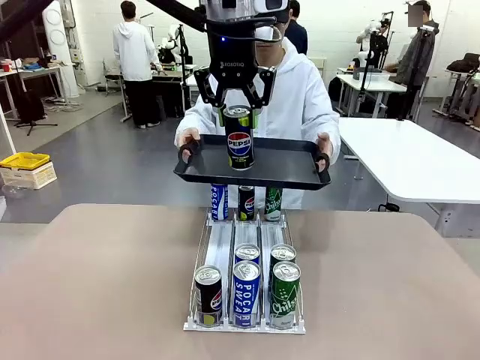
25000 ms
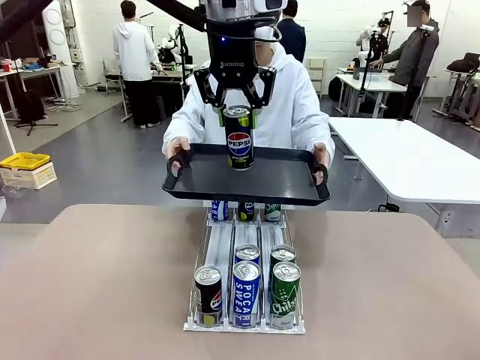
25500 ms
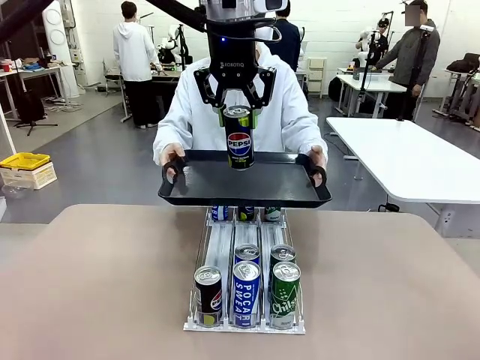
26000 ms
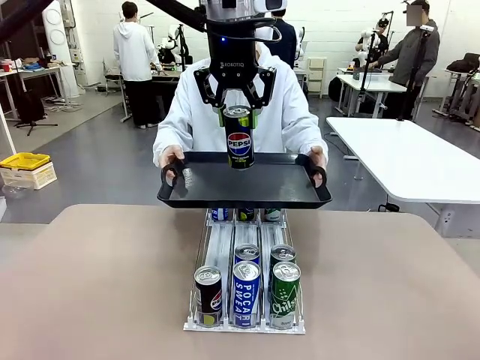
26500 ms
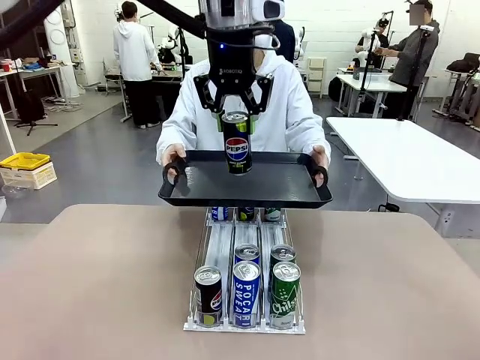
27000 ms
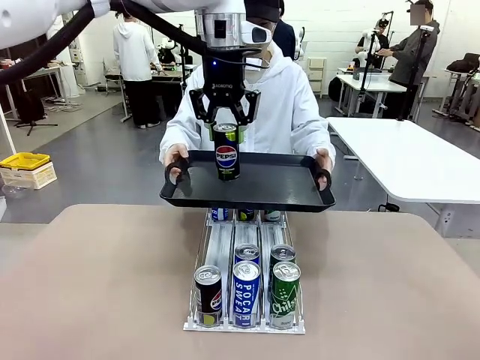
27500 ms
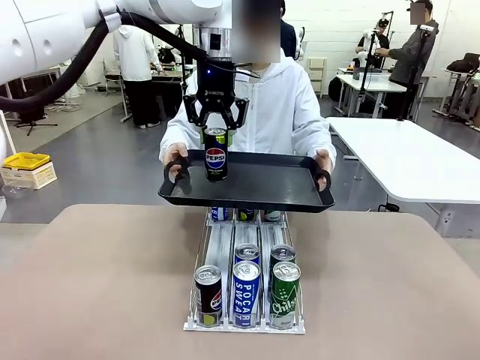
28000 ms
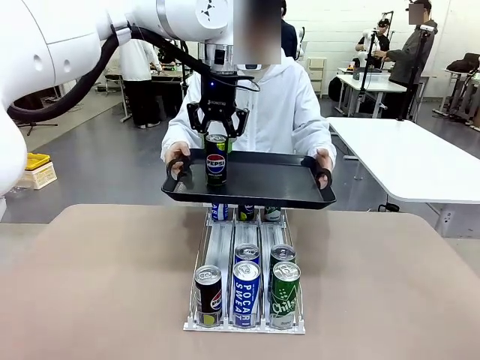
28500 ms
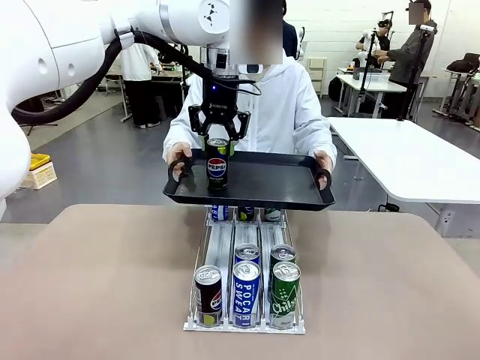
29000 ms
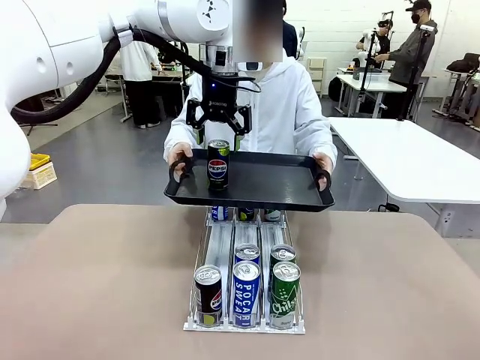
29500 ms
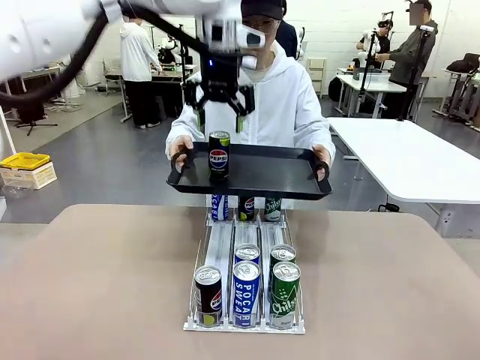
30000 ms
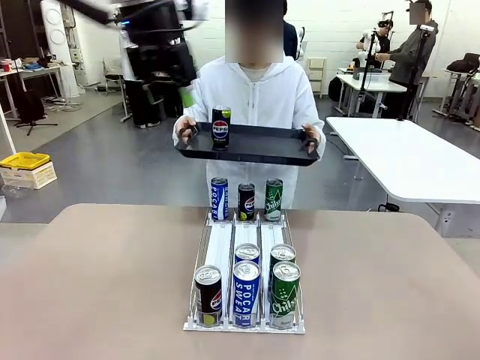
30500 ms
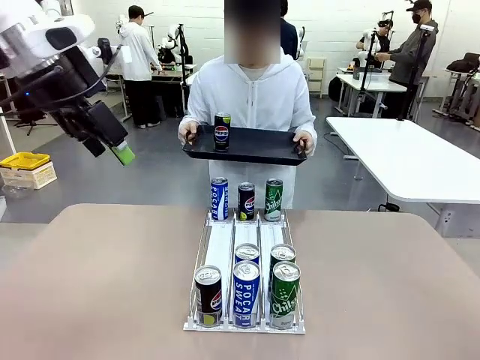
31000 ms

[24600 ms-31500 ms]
Task: Retrieve and hand over the desired beverage to the person.
Robot: Place the picked can on the Handle tray extended by the person.

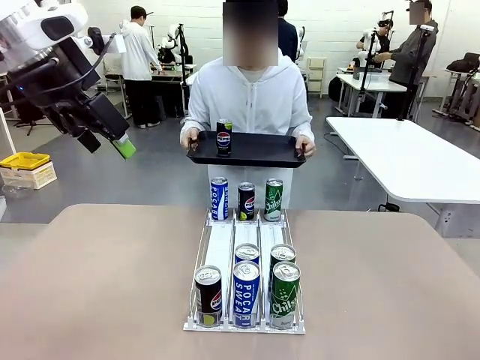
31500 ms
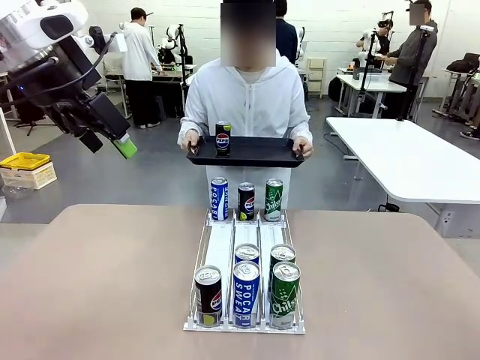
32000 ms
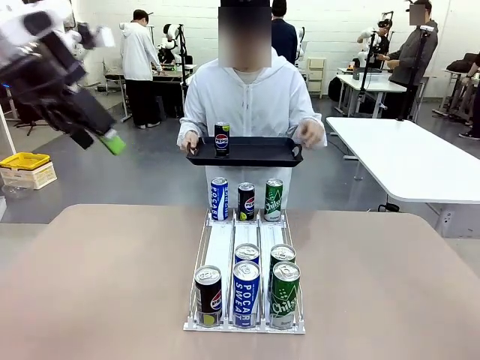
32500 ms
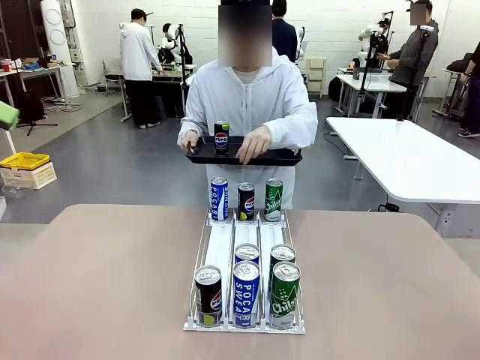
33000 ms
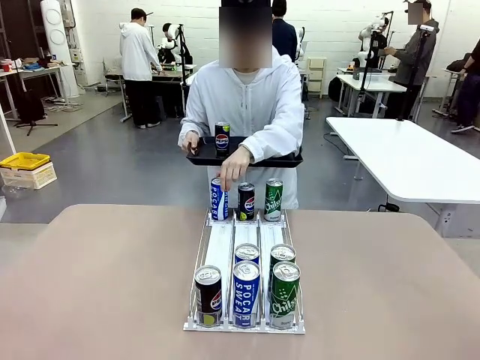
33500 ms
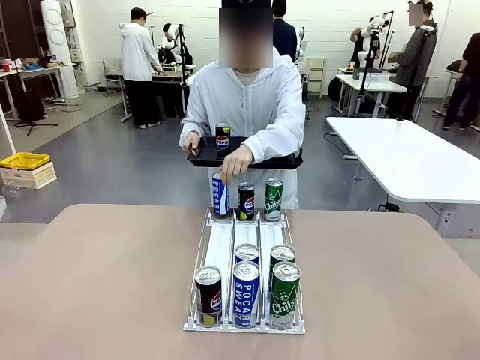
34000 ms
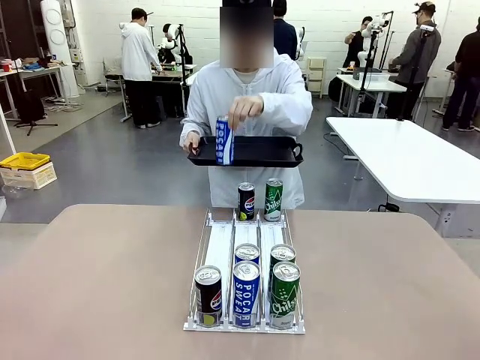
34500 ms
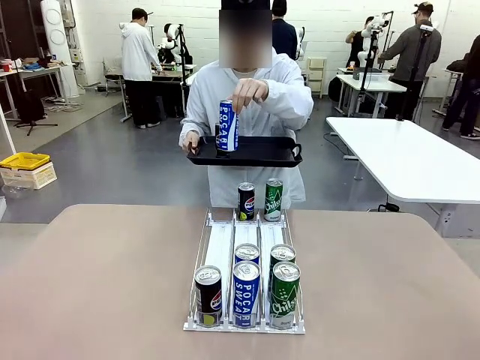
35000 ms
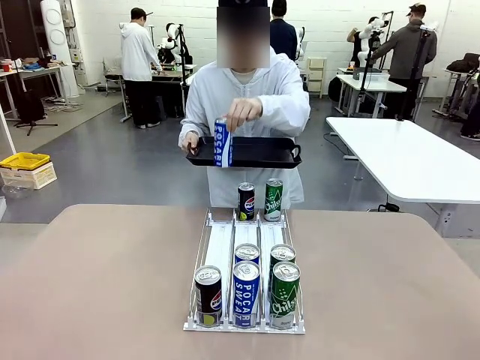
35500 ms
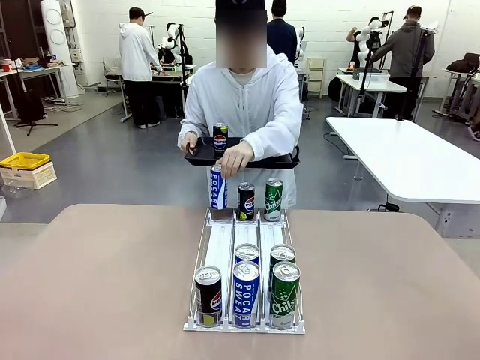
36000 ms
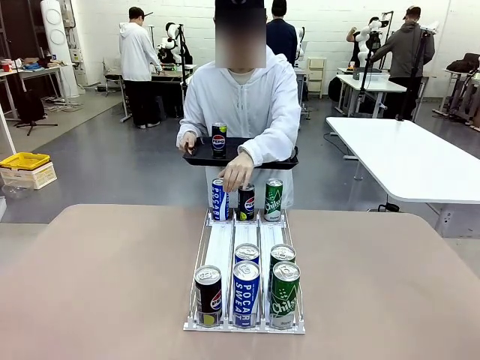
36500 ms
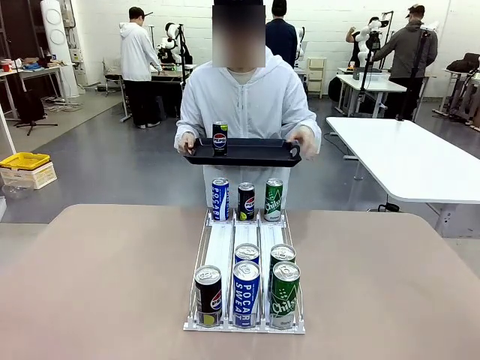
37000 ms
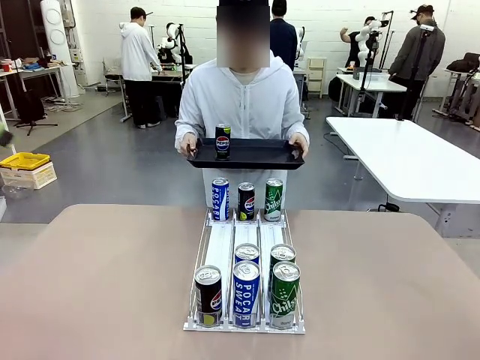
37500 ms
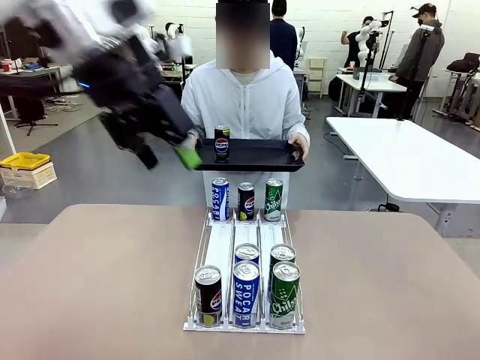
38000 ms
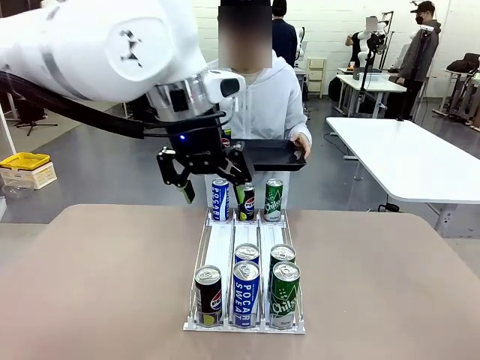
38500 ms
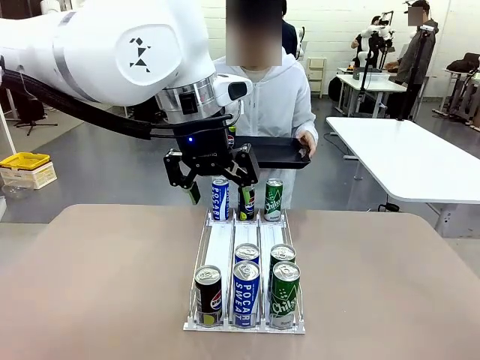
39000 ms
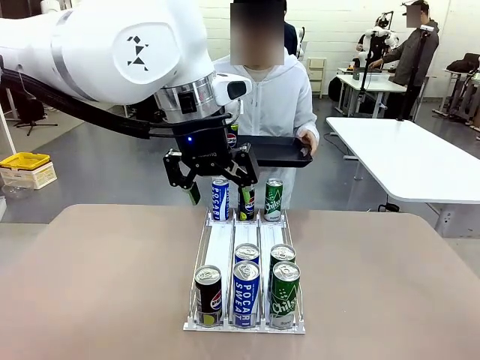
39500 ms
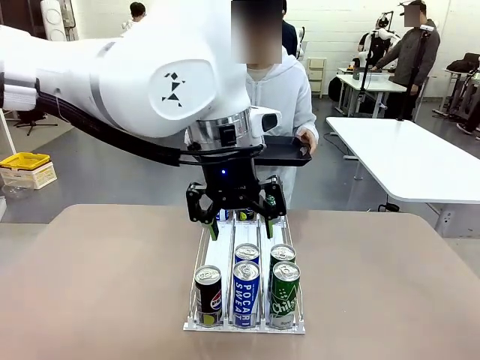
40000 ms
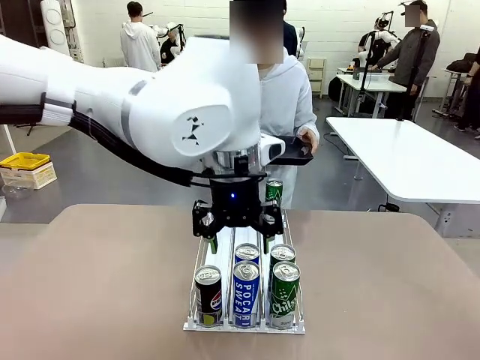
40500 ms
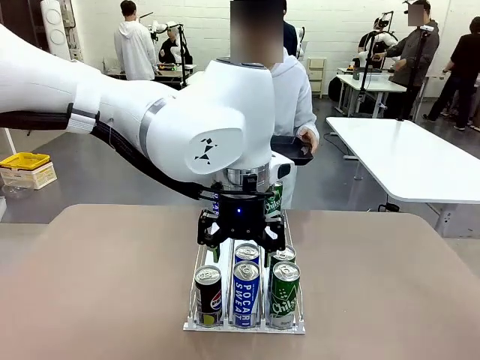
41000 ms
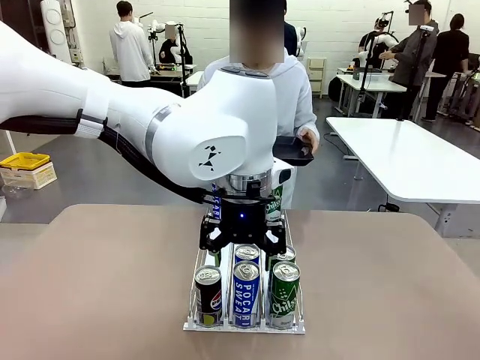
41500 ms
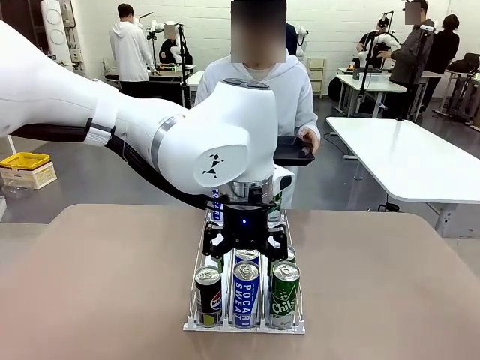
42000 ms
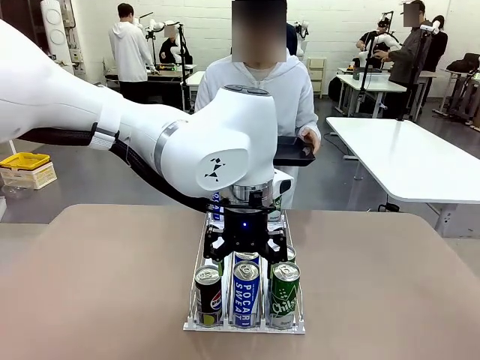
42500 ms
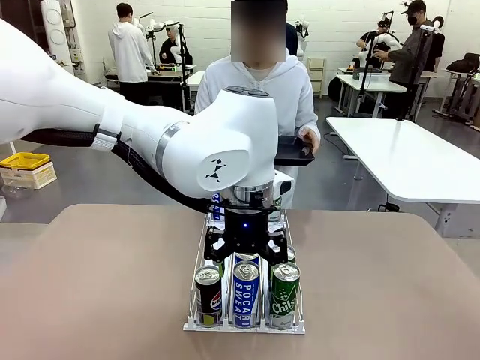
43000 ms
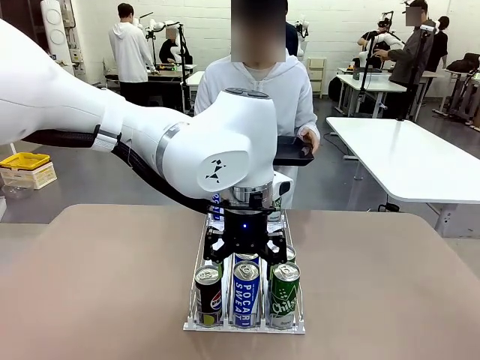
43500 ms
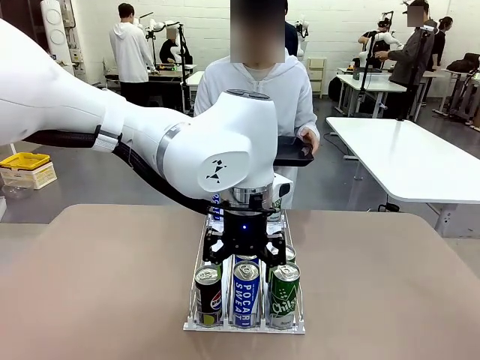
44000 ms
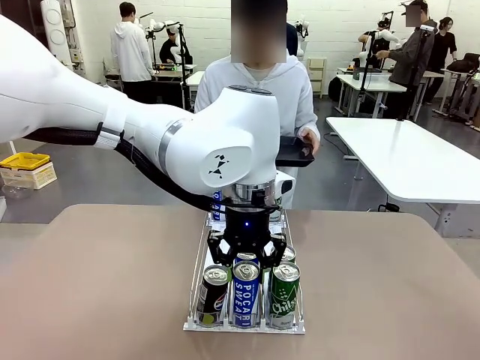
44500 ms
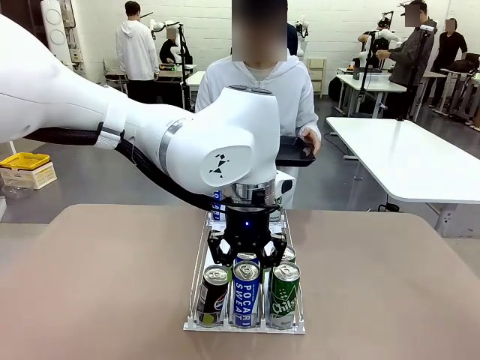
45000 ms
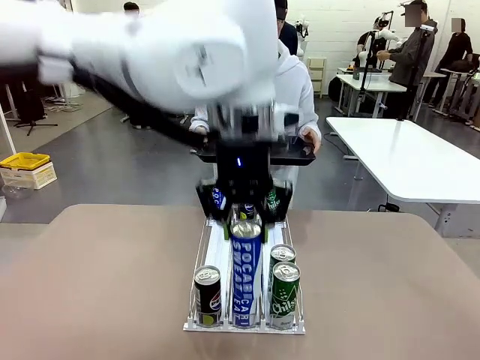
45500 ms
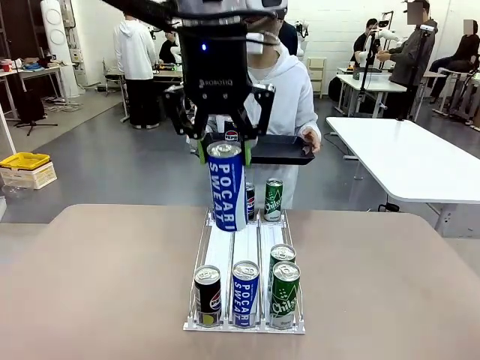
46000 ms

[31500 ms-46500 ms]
Robot: Pick up another can of the same type that the person held from the Automatic Can Dispenser.
Person: Pull the tray back, then pick up another can from the bottom area of the table and puts it back in its original place. Push the tray toward the robot again.

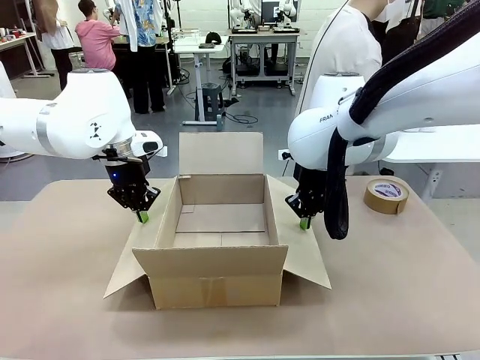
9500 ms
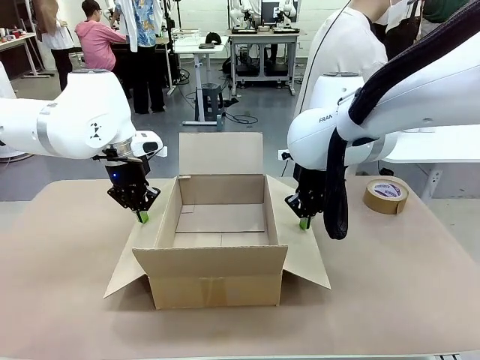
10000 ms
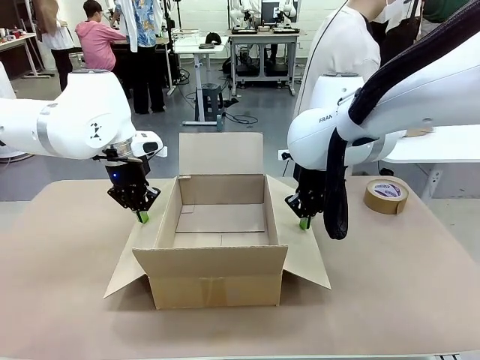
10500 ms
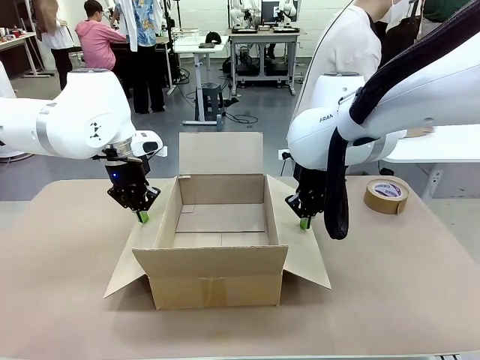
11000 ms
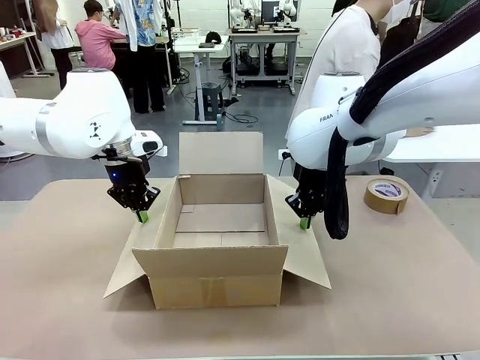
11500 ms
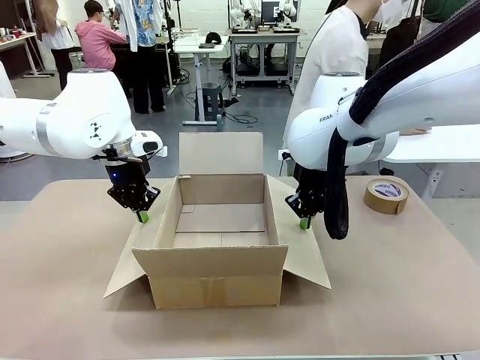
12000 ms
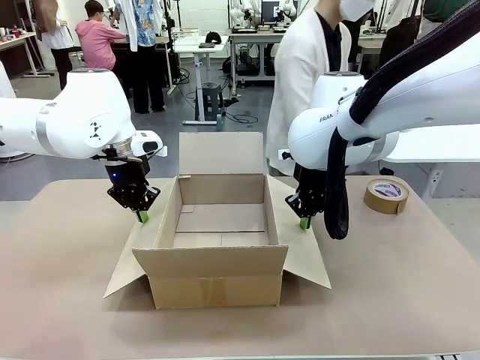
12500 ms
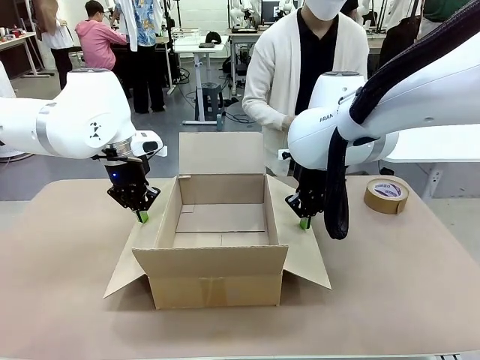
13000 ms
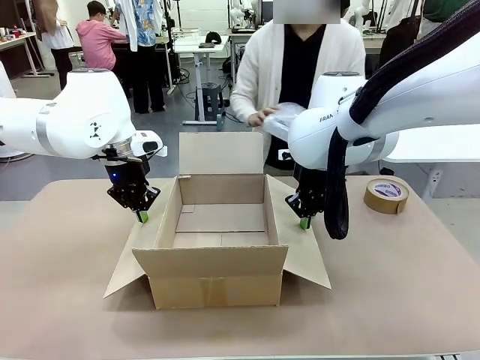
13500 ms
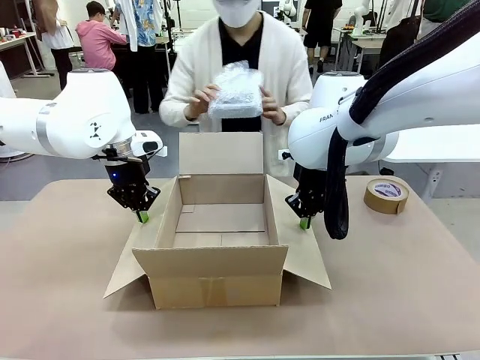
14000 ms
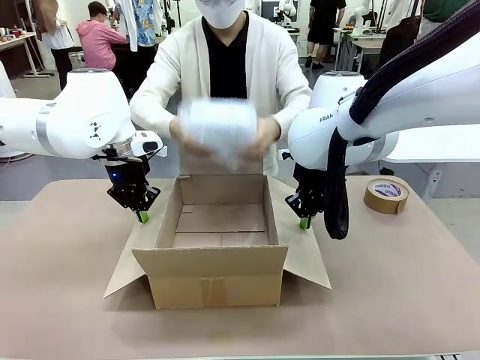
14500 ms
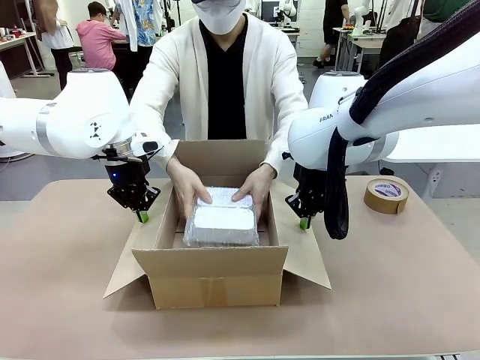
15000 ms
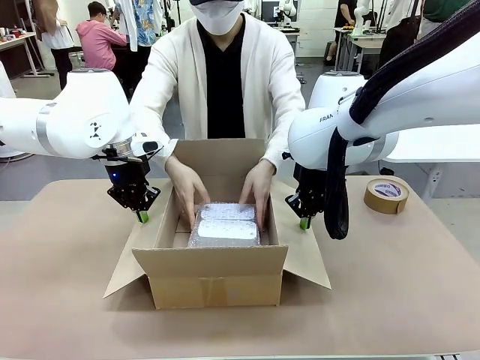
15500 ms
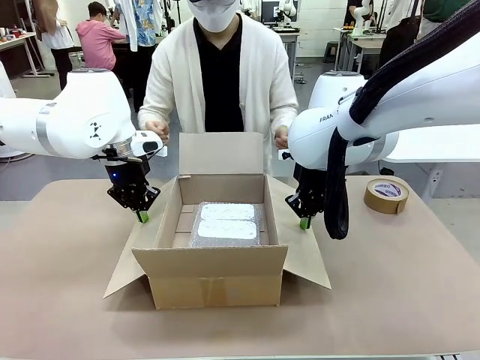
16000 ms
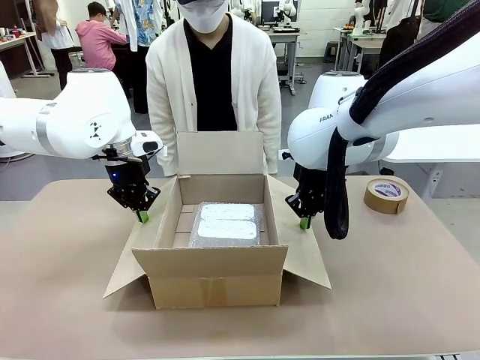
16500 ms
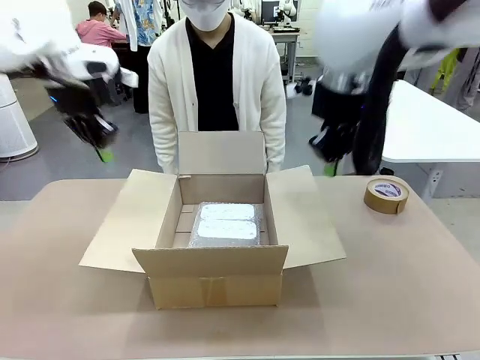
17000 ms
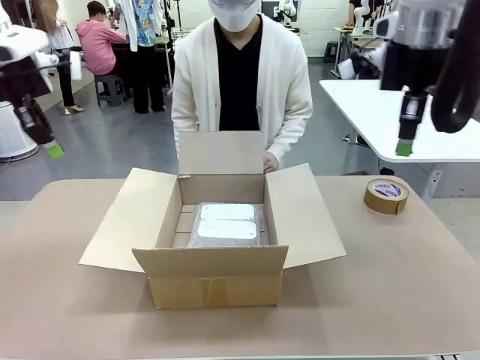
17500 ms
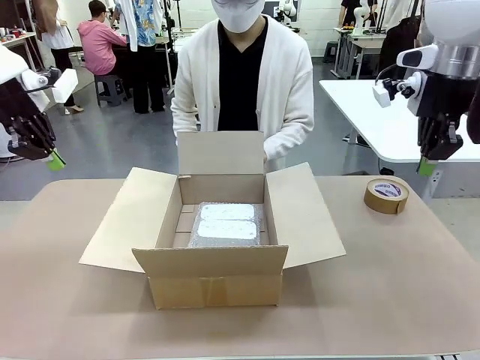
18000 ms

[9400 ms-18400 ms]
Task: Wrap the clocks to prevent damage.
Robot: Once the human has placed the objects inside and stepped back, release both hands from the side flaps of the Package Box.
Person: Place the wrapped Digital clocks inside the Package Box. Hold the top and bottom flaps of the Package Box closed with your left (or right) hand.
